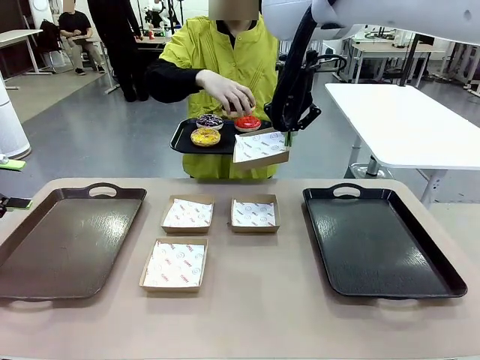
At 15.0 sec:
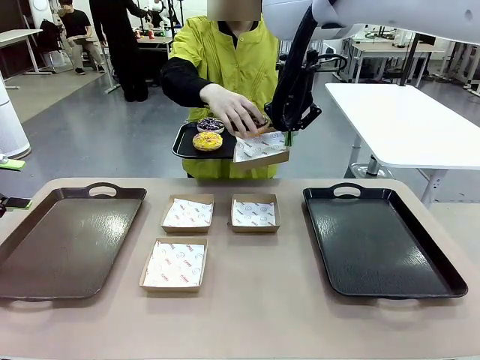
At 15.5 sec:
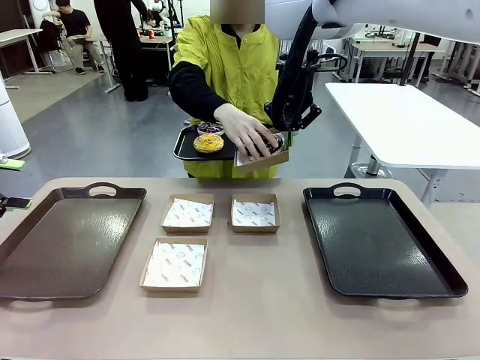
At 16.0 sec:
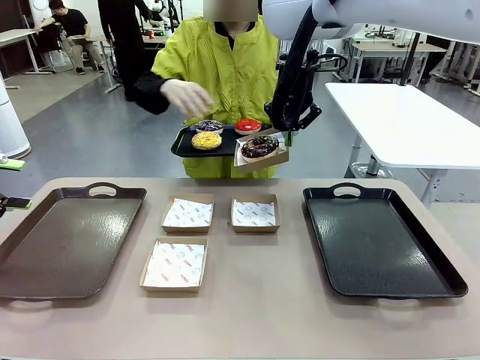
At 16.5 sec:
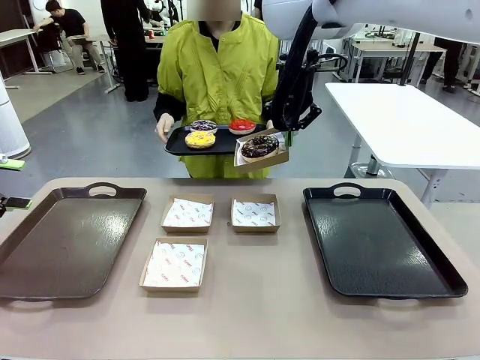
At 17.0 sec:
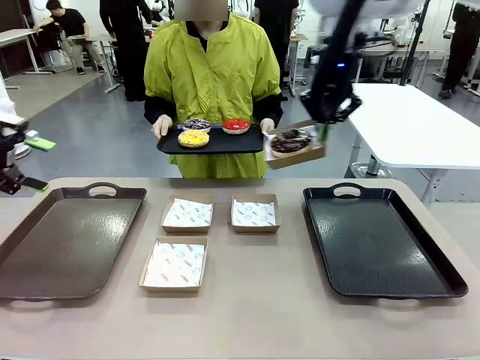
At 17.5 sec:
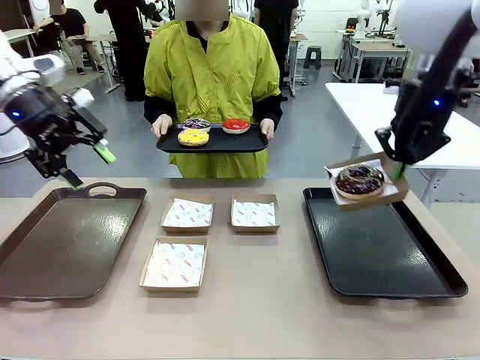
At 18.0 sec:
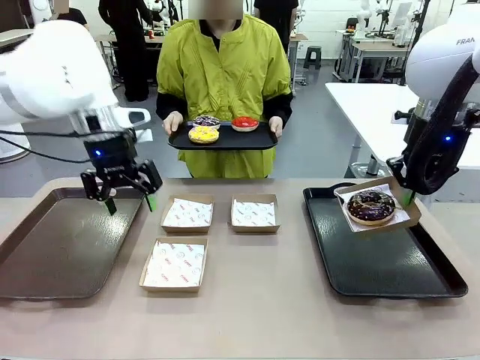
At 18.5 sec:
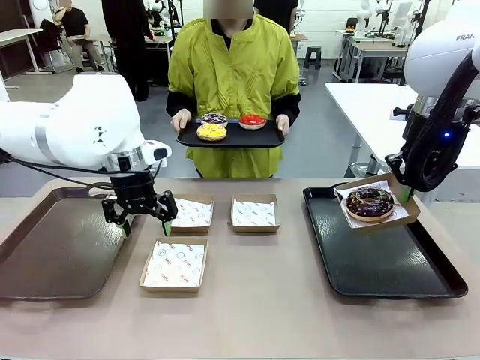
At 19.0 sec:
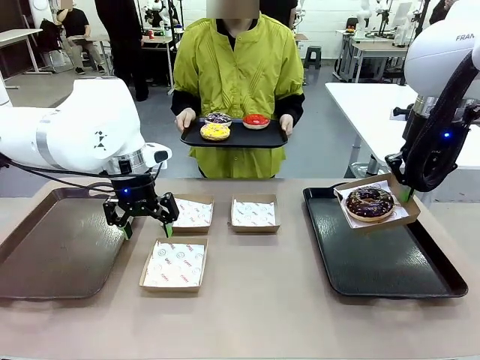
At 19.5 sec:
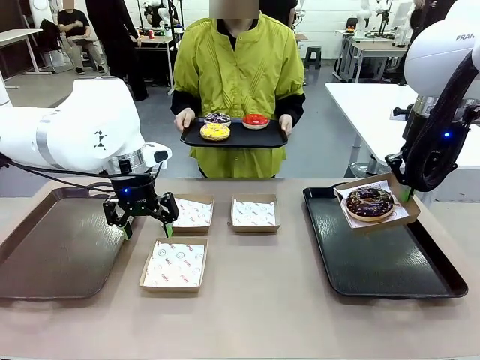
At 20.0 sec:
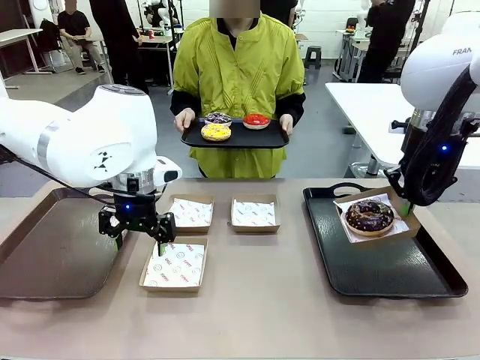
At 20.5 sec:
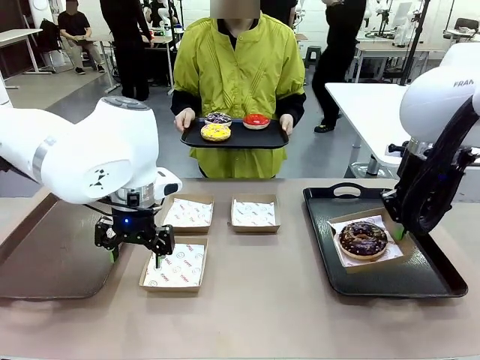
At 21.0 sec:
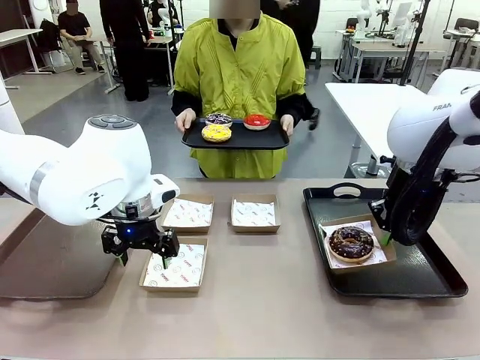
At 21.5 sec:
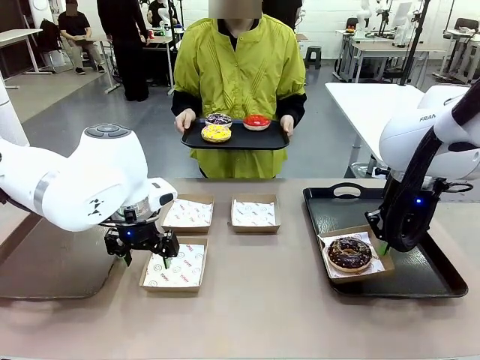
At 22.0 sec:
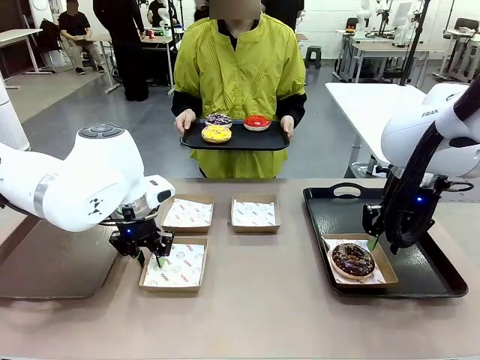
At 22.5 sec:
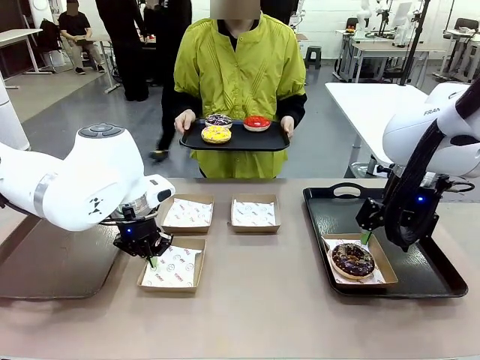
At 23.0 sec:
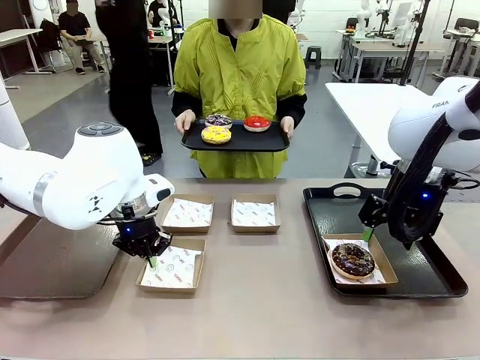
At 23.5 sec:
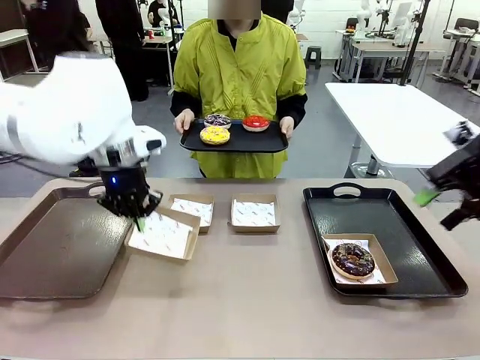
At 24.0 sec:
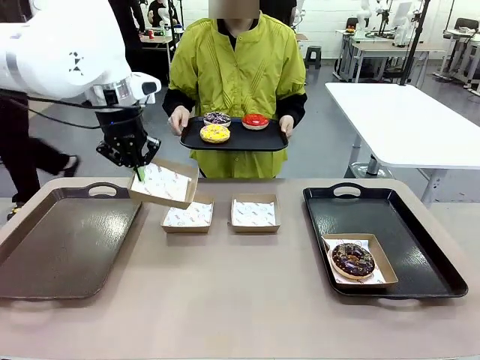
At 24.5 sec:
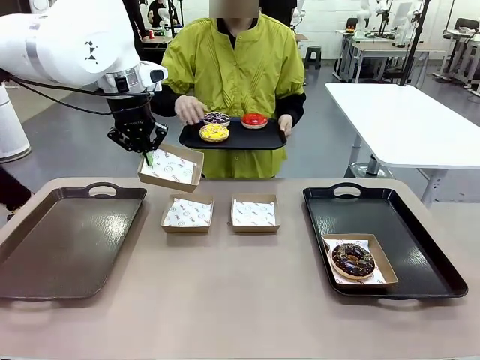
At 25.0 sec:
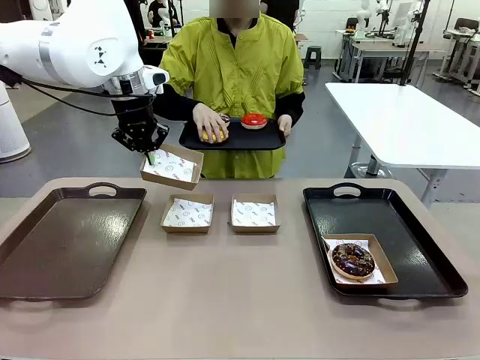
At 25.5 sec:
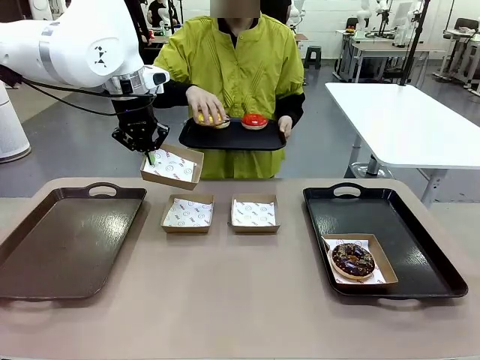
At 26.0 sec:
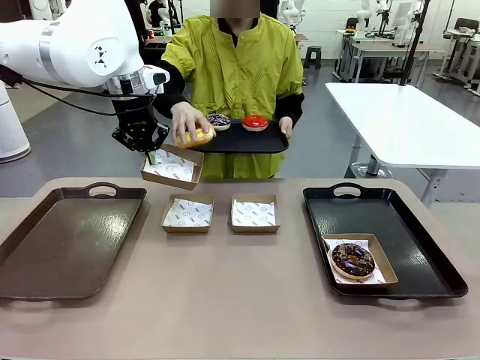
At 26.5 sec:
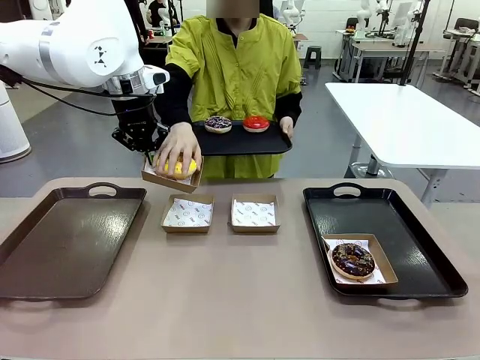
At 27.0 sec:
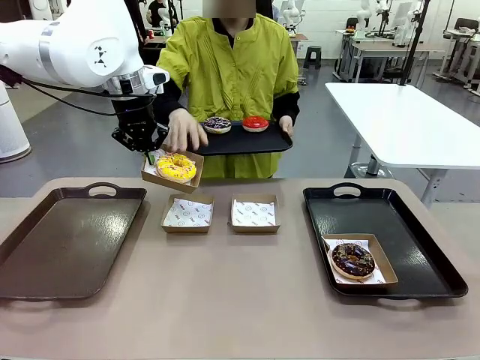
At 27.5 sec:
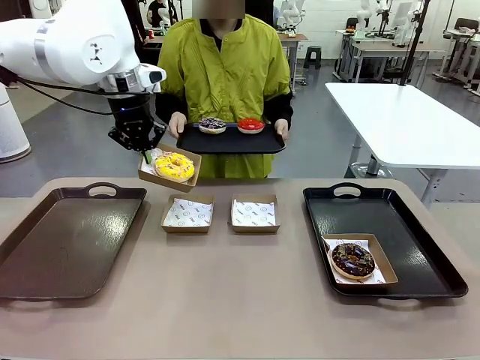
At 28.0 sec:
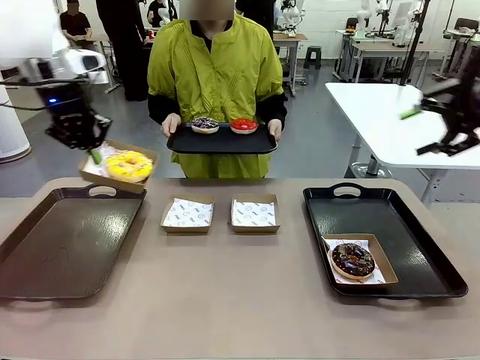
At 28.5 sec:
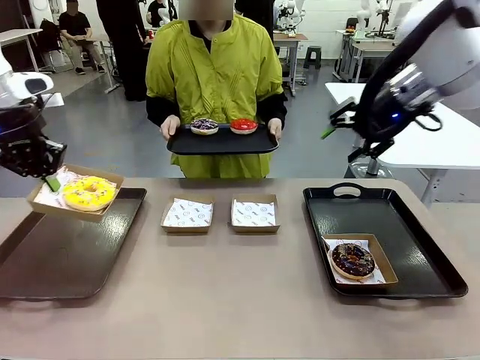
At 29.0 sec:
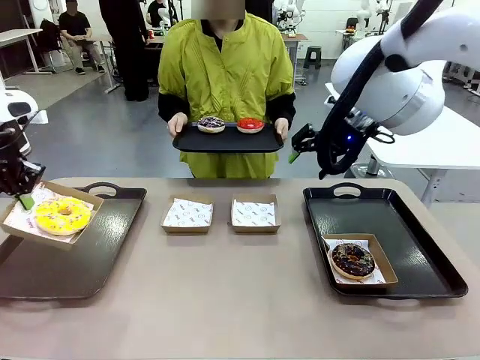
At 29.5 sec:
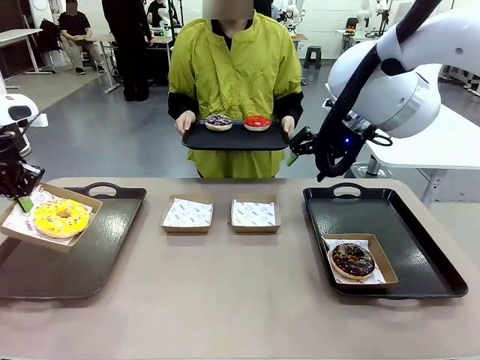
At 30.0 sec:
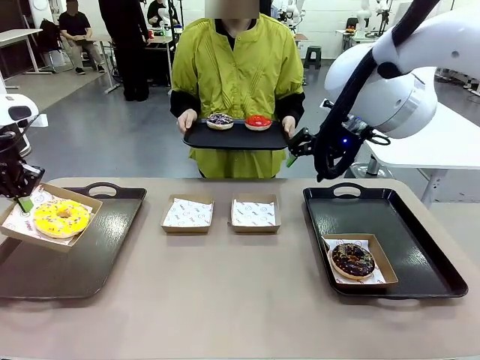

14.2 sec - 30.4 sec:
Task: Individually package the donuts and arrange them on the tray.
Robot: Place the picked Paper togo box on the Handle tray while simultaneously picking up another Paper togo box from the table with the other hand.

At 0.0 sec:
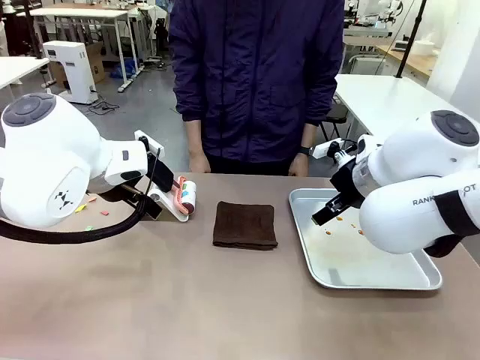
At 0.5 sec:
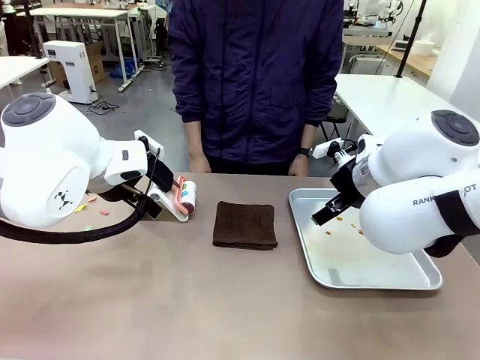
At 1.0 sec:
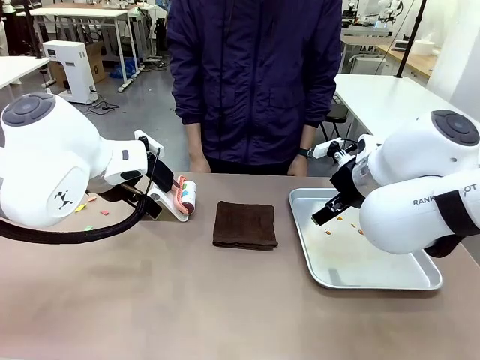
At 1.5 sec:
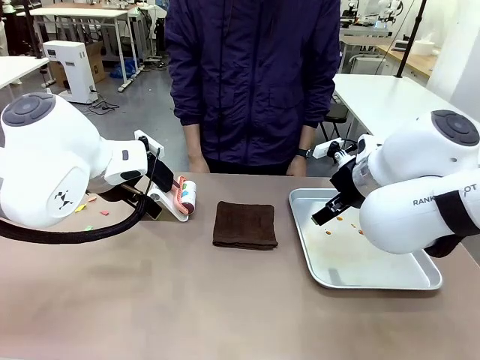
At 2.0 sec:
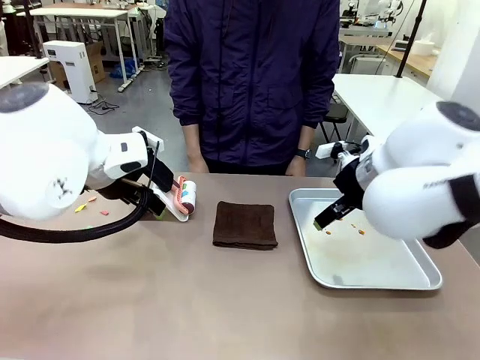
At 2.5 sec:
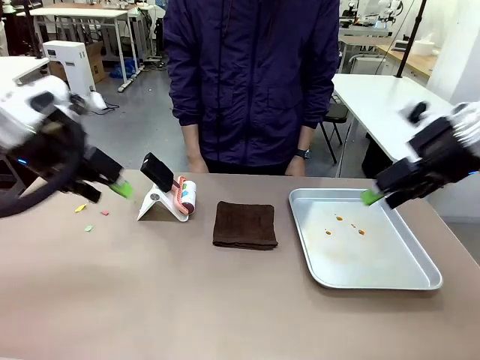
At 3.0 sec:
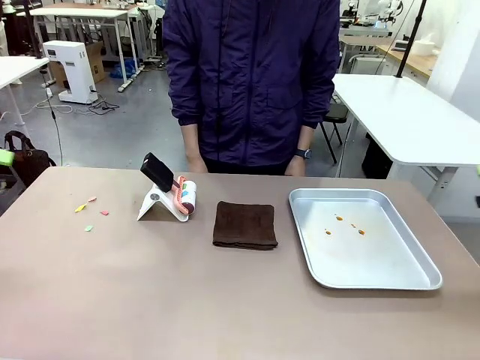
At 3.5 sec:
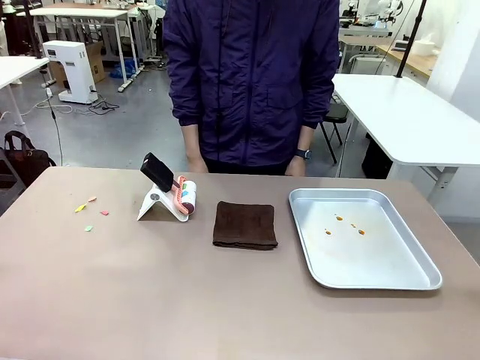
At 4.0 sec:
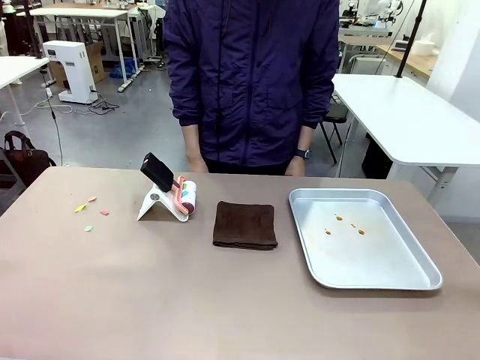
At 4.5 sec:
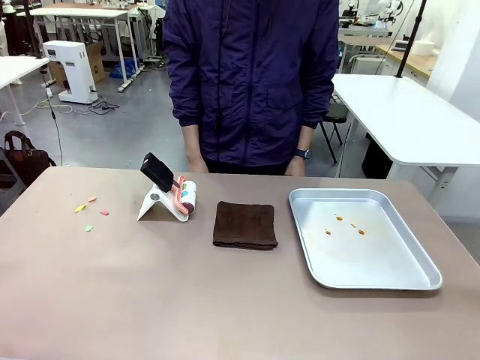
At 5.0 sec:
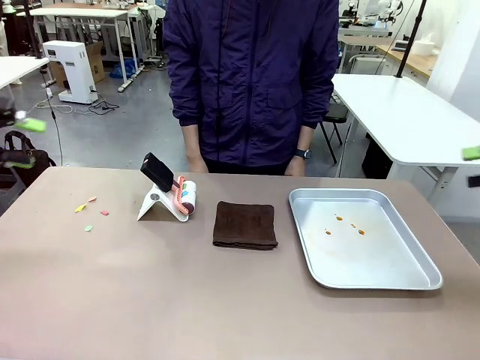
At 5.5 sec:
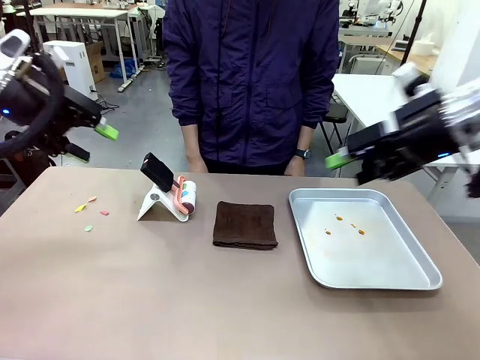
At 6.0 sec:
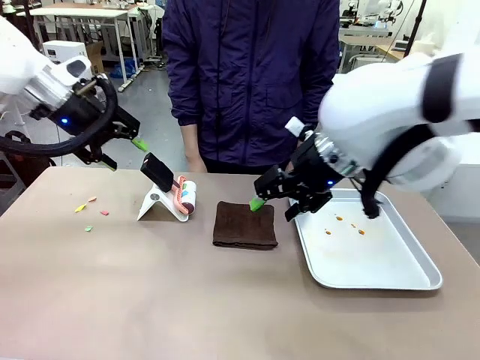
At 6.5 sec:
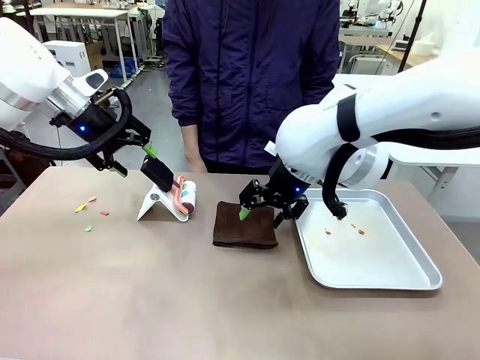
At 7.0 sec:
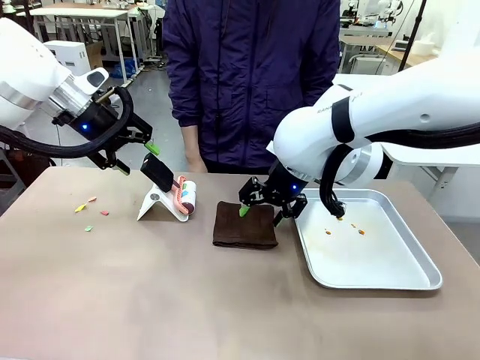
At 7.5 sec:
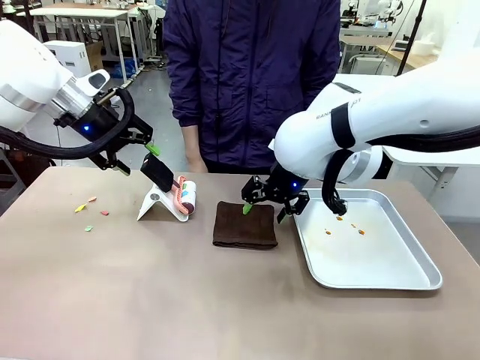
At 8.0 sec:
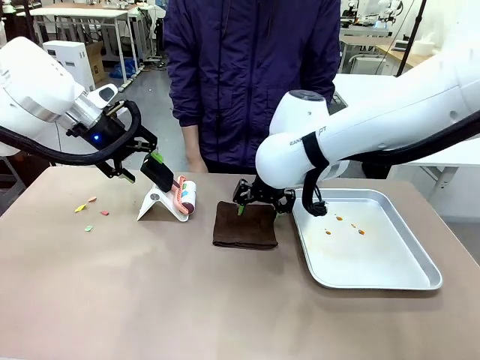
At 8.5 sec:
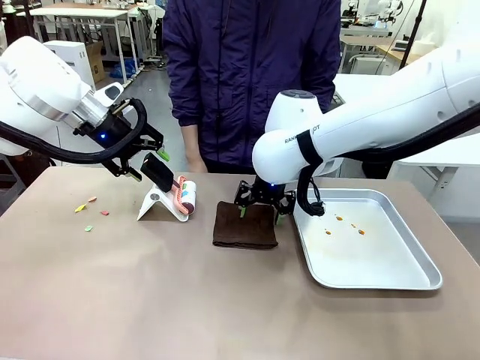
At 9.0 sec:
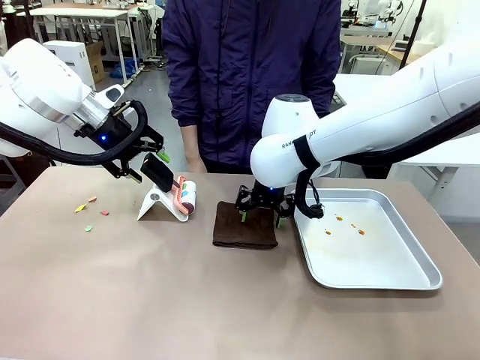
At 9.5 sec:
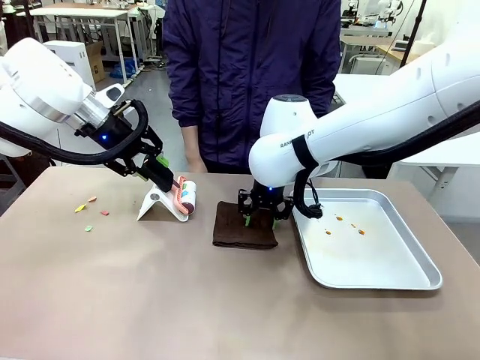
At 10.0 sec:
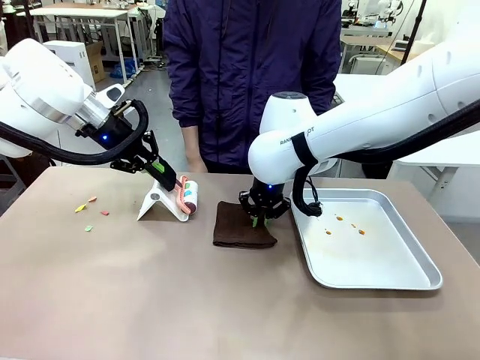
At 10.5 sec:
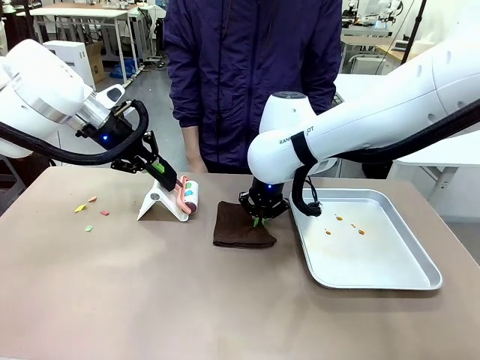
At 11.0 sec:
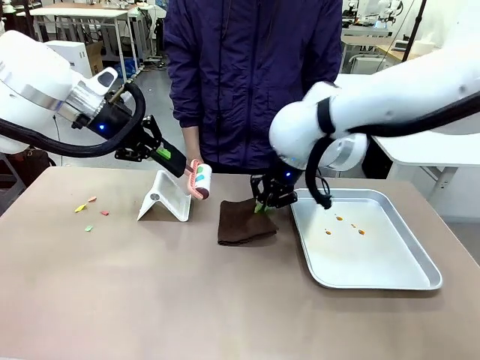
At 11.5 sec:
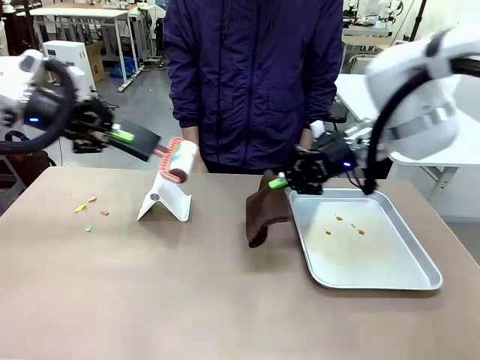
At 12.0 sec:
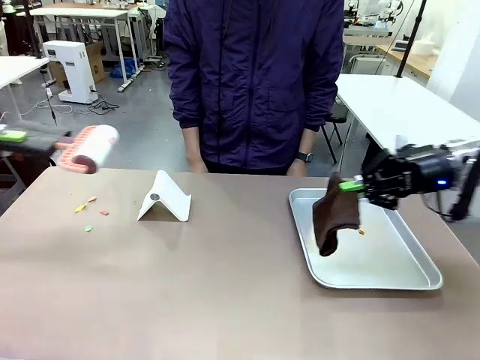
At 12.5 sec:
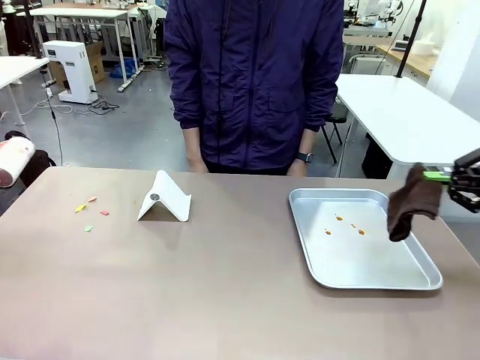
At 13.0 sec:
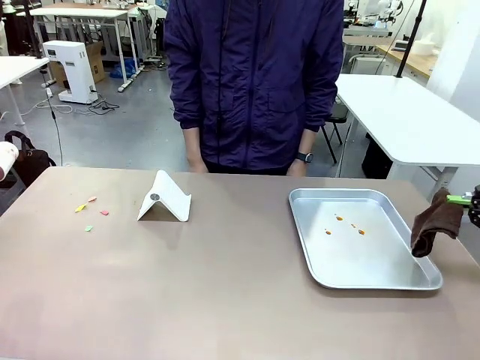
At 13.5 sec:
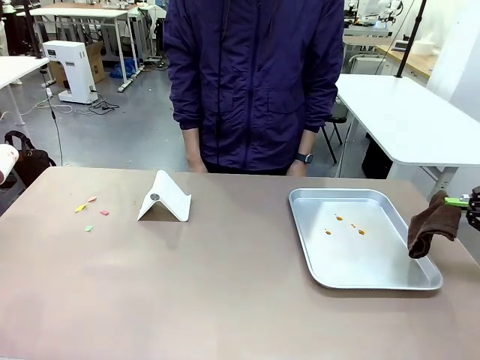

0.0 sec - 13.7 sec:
Task: Clean the surface of the table.
Robot: Hold the Lint Roller with your left hand and the towel with your right hand.
